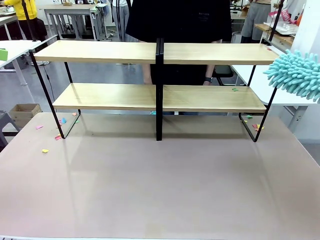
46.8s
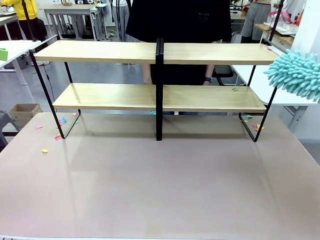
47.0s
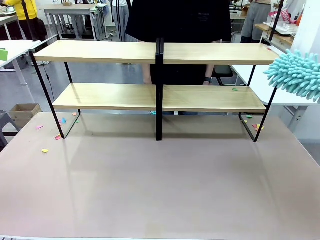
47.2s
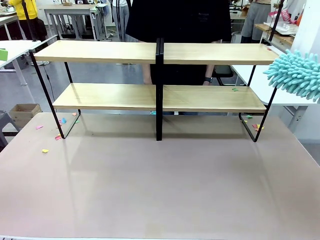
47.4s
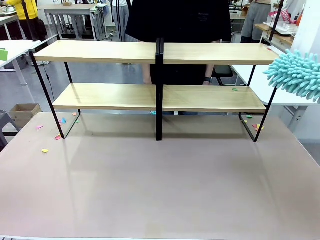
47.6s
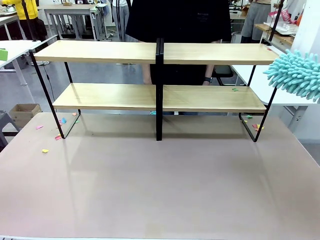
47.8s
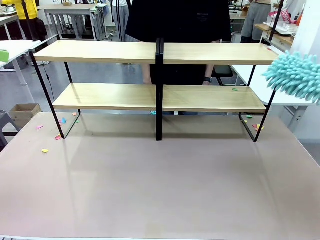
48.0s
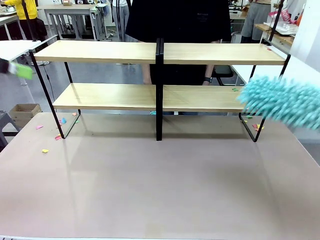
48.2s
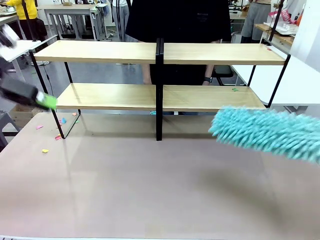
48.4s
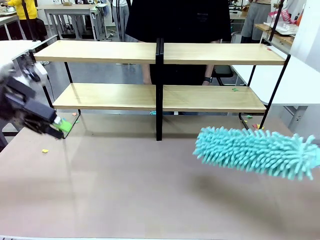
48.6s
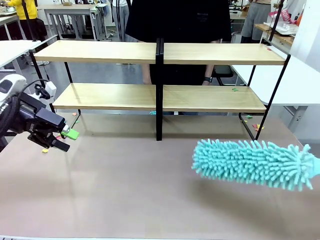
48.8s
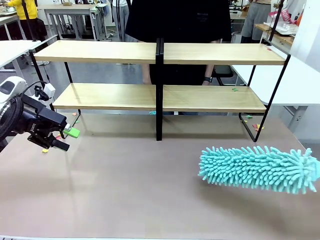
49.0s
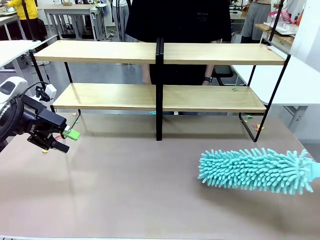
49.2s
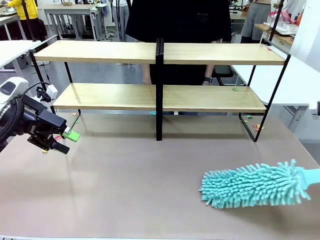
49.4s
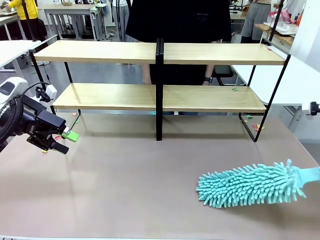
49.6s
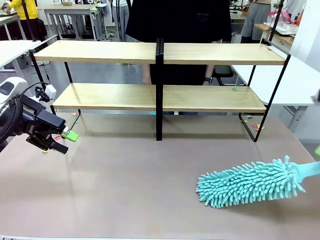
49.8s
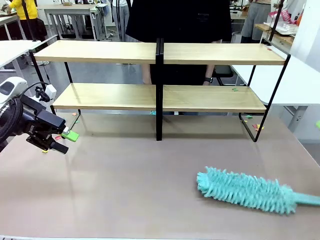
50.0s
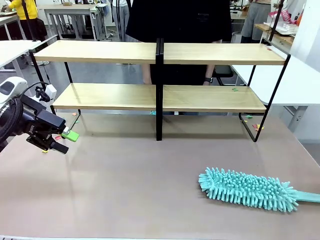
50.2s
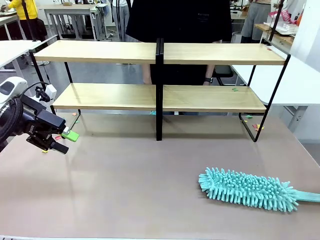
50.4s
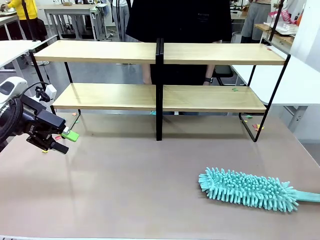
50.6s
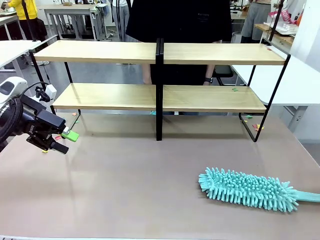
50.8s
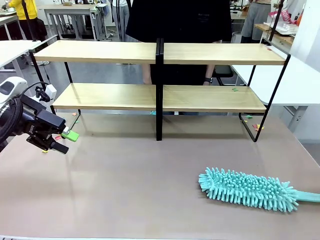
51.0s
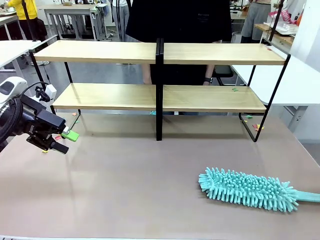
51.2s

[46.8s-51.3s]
Task: Clean the shelves.
Robot: Place the Duster on the table.

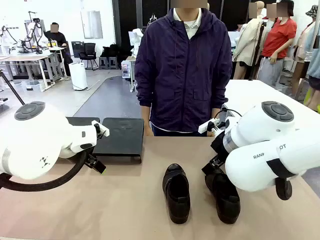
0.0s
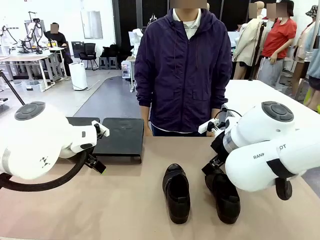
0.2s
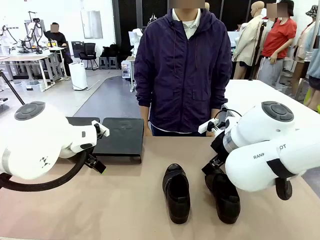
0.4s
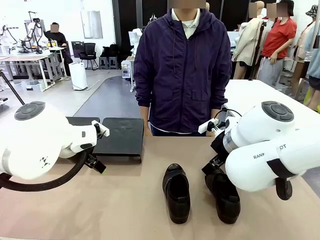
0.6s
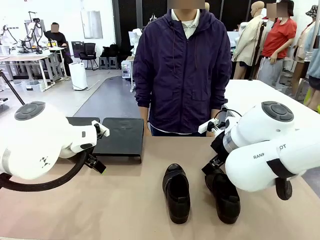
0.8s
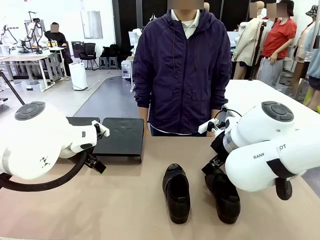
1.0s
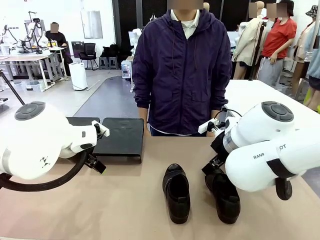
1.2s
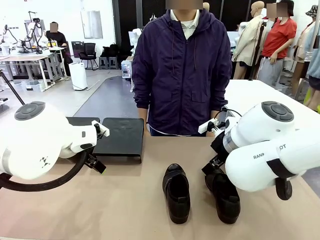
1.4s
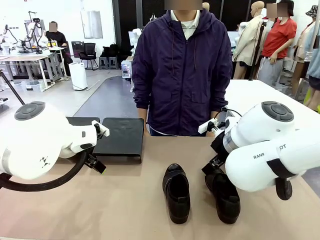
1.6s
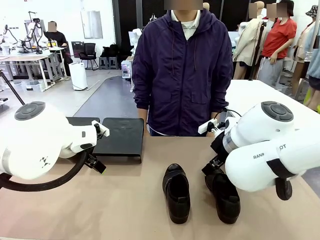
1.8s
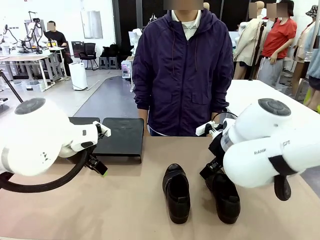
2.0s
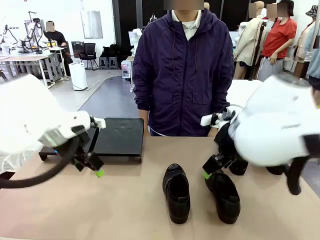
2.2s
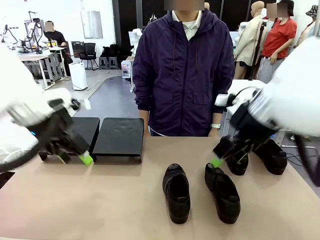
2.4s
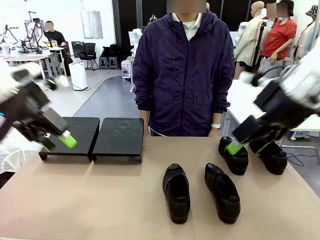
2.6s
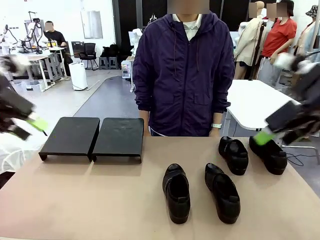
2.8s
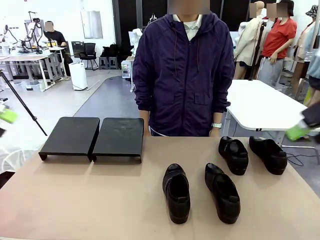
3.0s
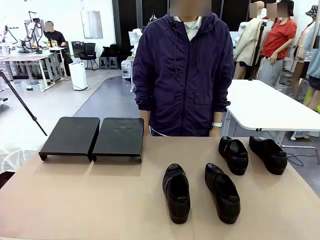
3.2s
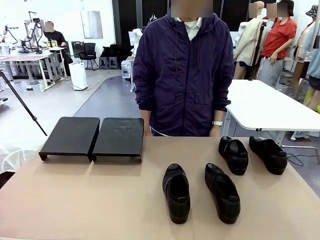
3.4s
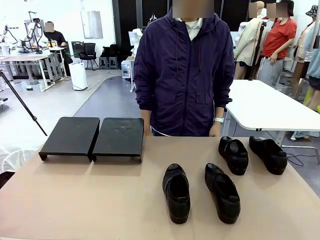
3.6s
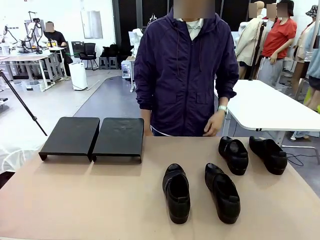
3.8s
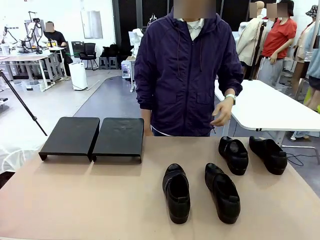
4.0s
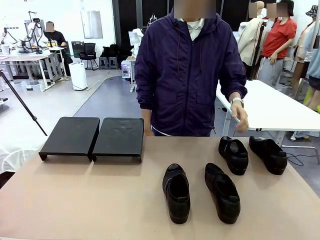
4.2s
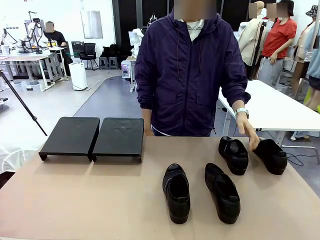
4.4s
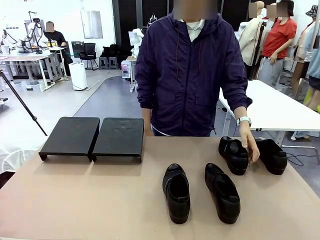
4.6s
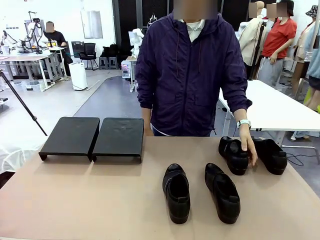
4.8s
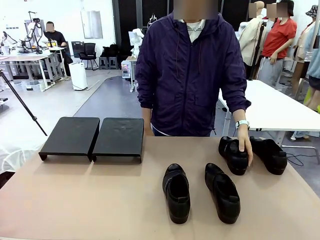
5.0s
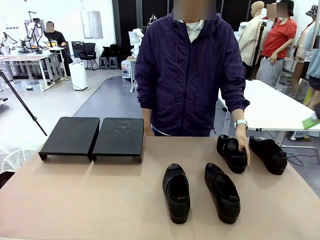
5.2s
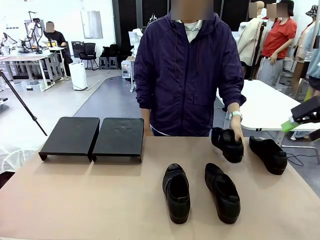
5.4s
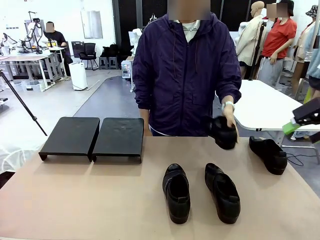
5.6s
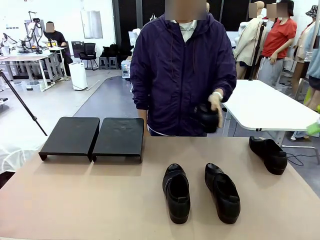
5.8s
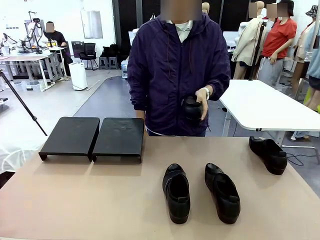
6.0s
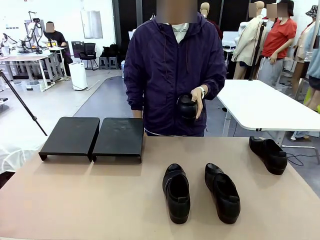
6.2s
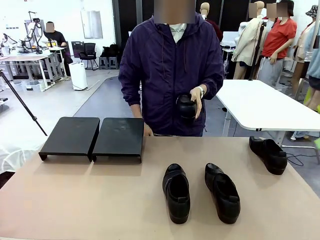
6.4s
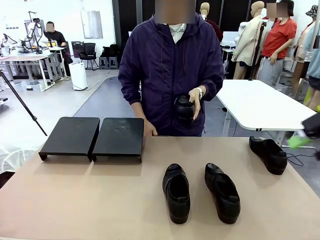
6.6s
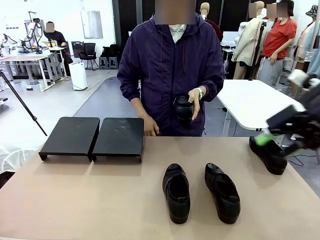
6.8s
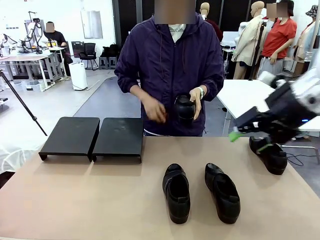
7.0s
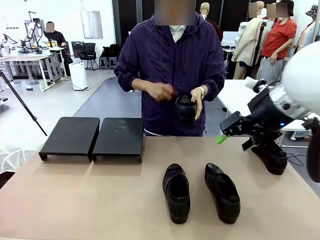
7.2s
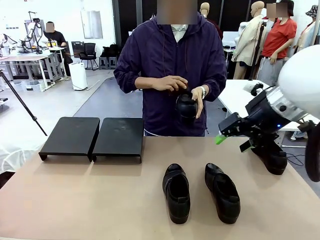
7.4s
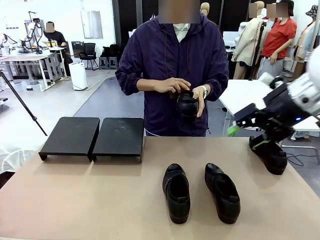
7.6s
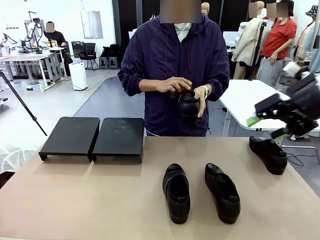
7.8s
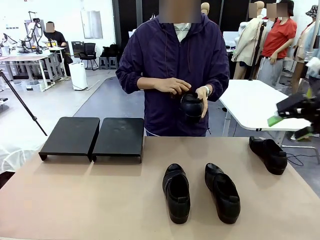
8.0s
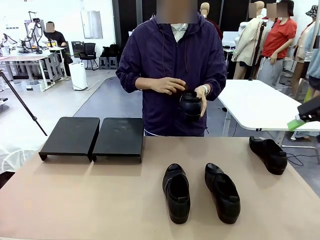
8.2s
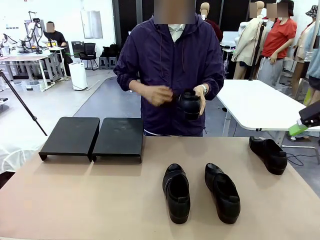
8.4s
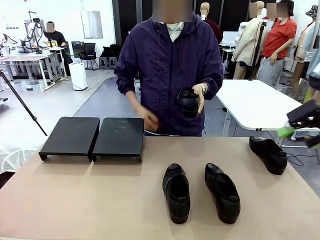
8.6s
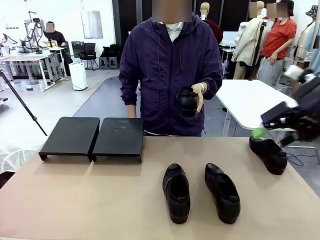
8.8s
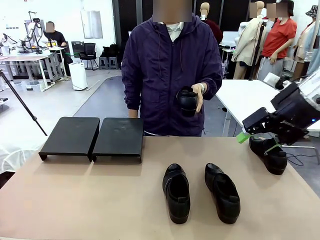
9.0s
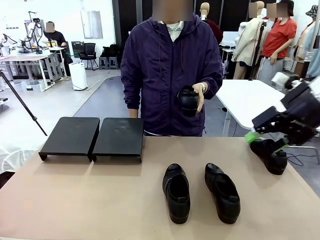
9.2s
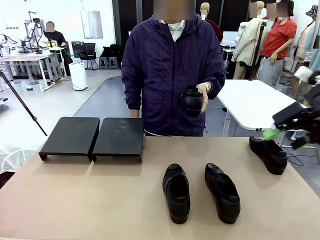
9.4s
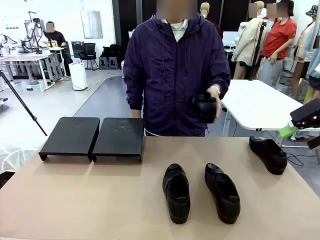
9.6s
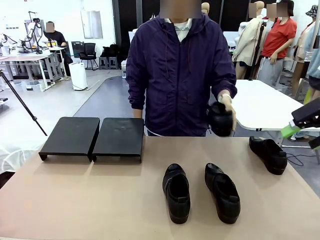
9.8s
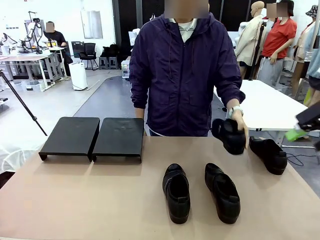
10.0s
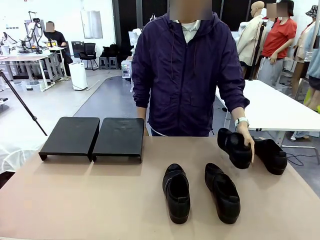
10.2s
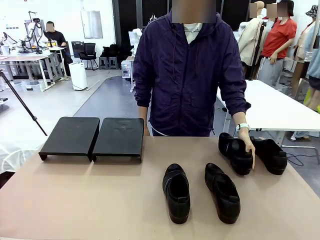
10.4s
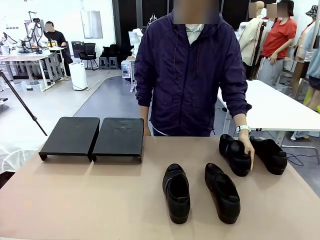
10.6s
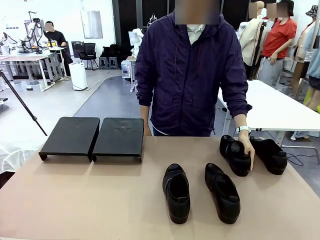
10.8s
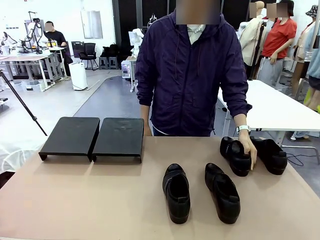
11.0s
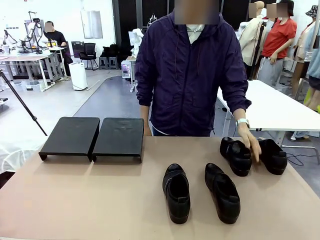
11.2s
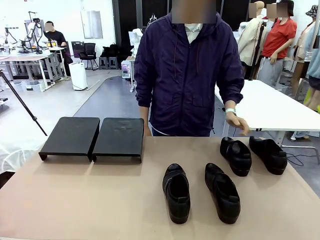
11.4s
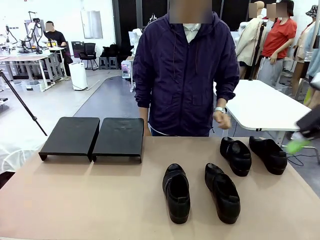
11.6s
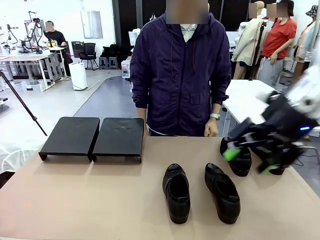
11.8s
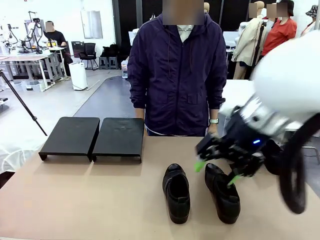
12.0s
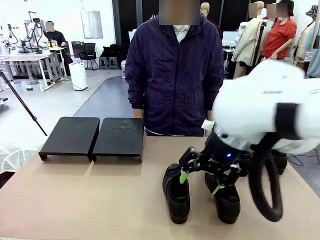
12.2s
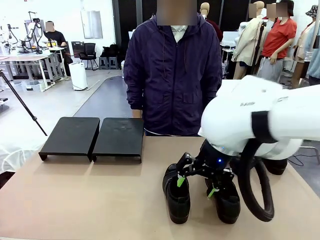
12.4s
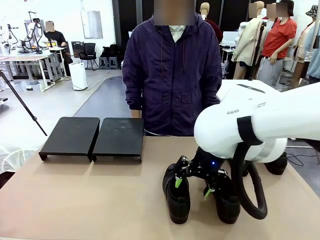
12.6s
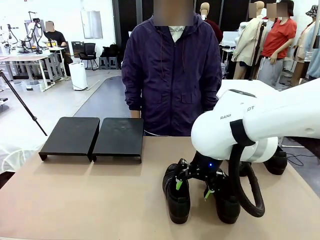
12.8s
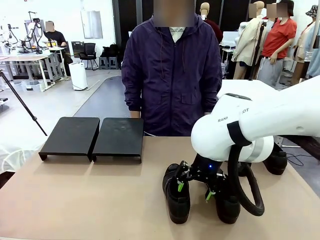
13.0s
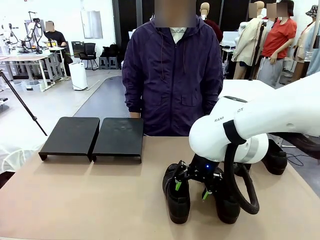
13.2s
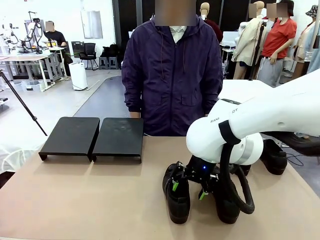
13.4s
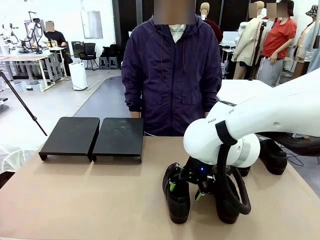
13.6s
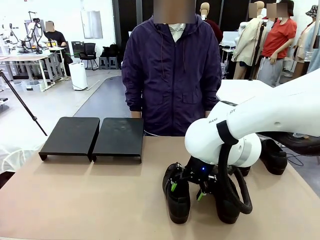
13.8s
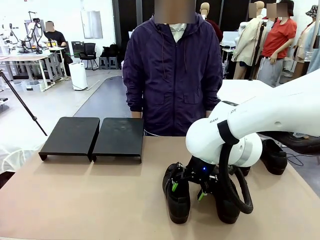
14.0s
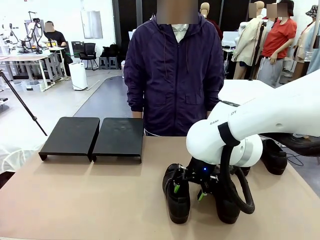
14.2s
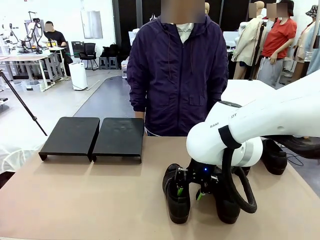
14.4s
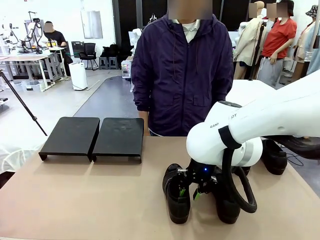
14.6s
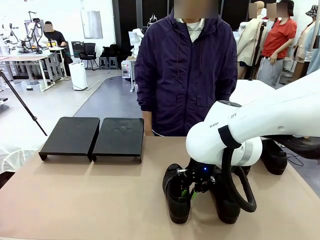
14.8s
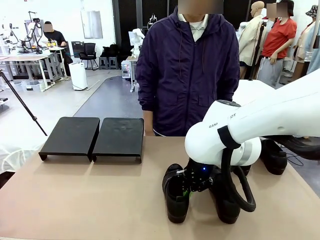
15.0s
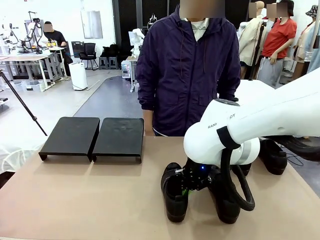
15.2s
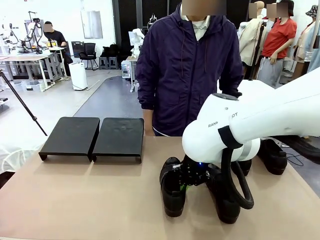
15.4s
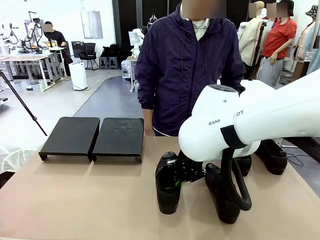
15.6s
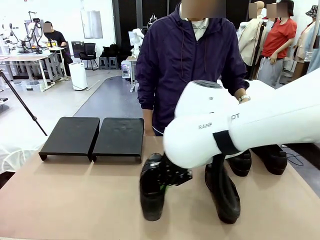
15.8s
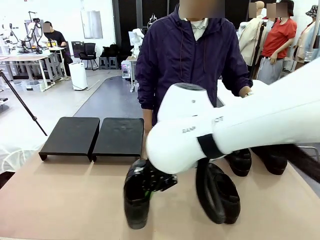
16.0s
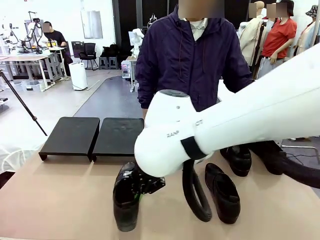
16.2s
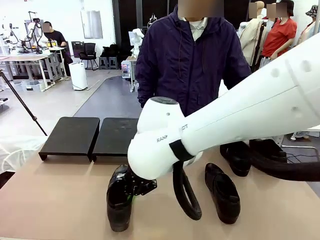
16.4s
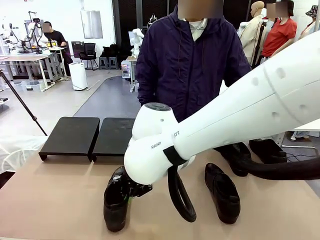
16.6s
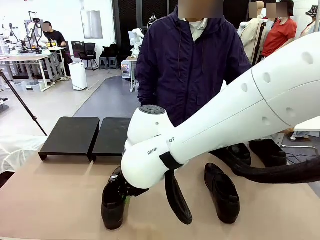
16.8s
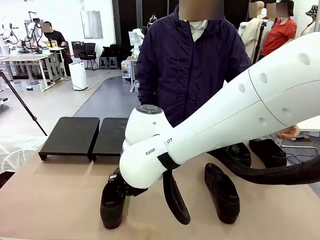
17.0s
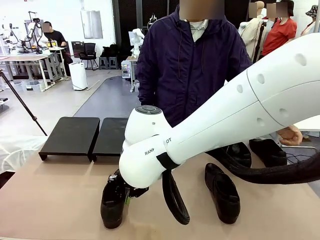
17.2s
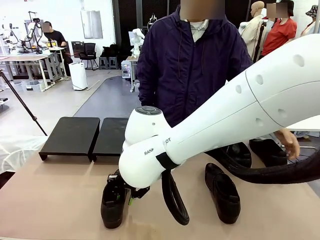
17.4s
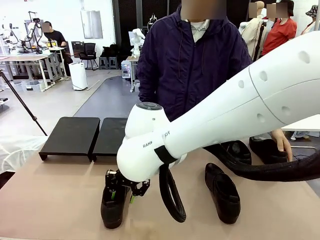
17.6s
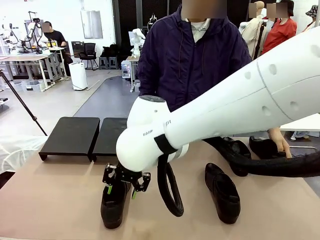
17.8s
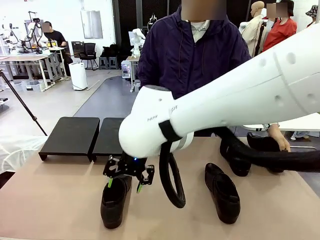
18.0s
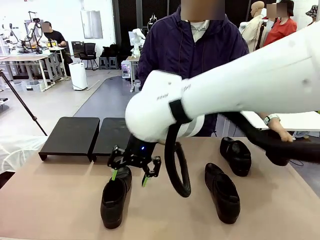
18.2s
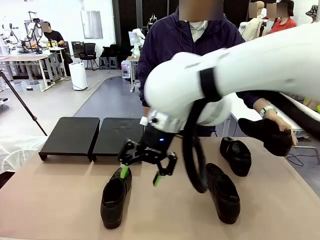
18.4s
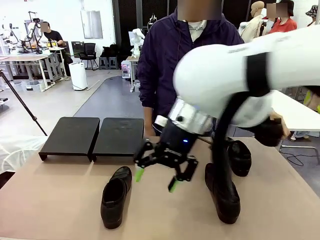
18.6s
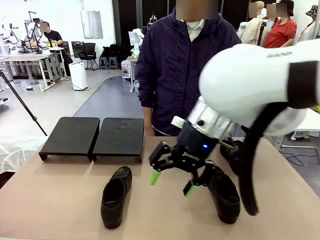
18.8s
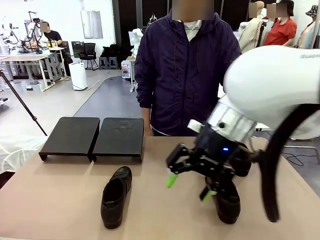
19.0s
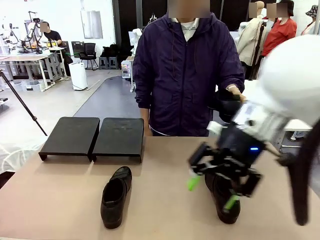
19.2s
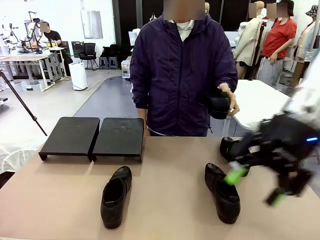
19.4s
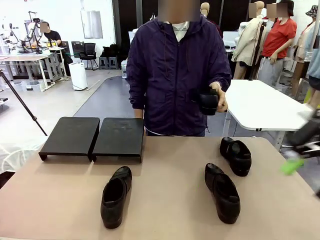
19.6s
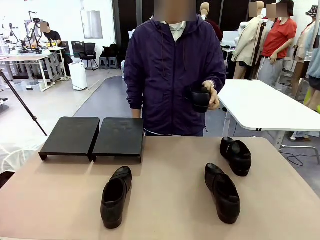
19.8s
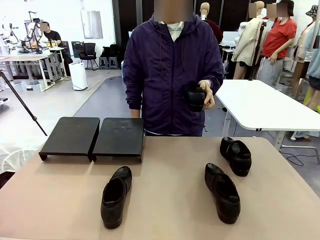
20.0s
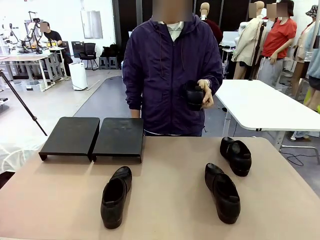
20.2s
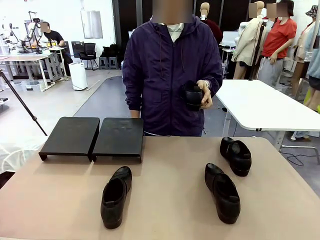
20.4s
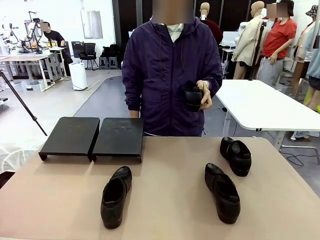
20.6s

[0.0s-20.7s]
Task: Organize the shoes by placing them on the stand.
Robot: Pick up one Shoe and place it in the middle of the table.
Person: Pick one Shoe on Robot's table. Clean the Shoe with the Shoe Brush. Place the Shoe on left side of the Robot's table. Pick one Shoe on Robot's table.
